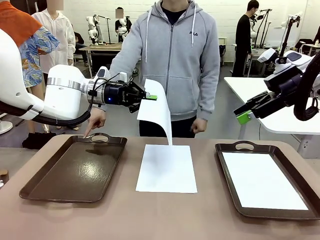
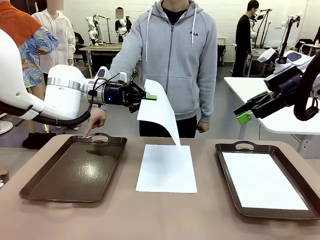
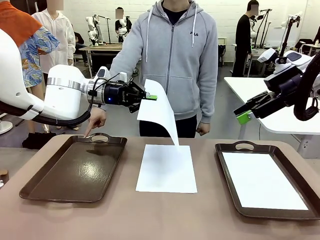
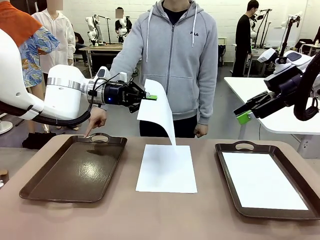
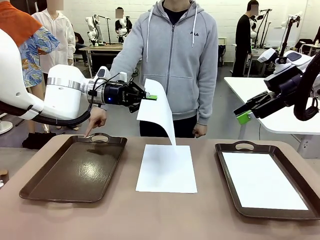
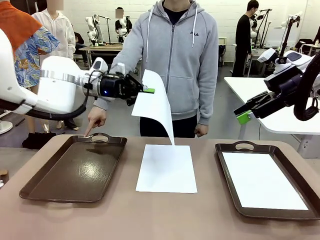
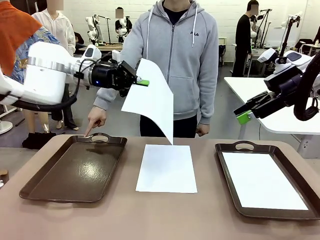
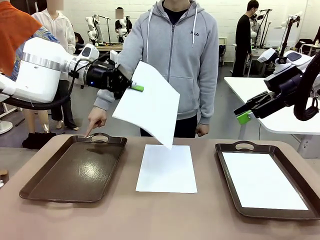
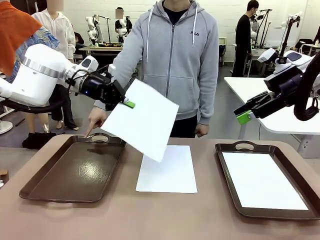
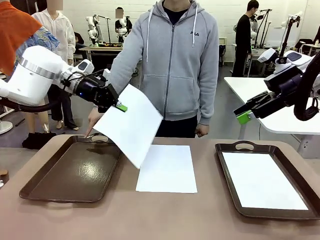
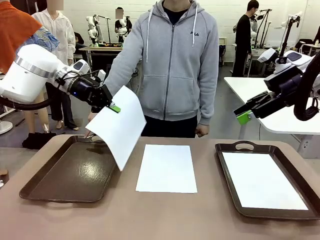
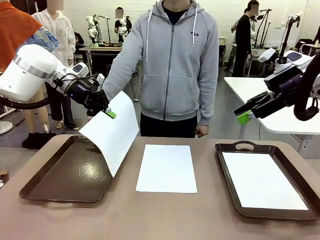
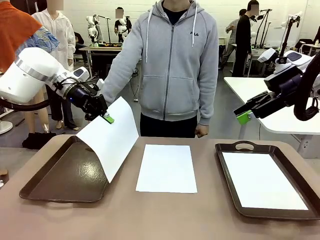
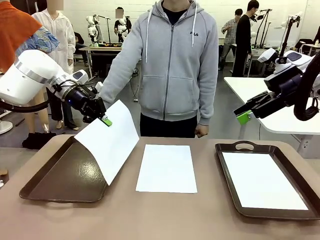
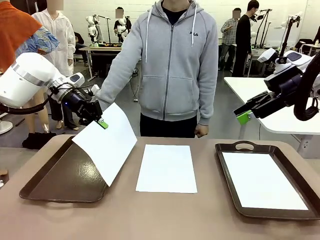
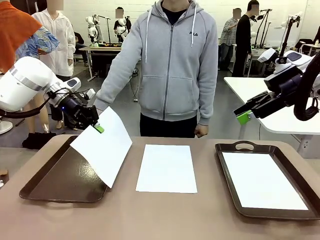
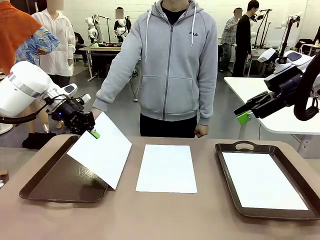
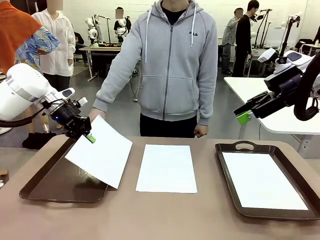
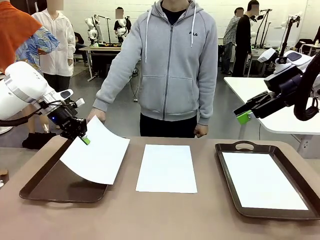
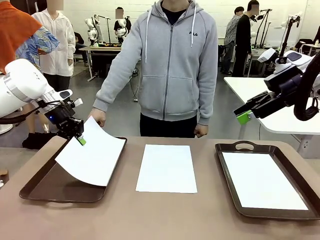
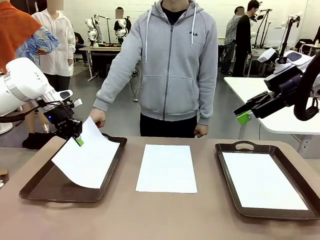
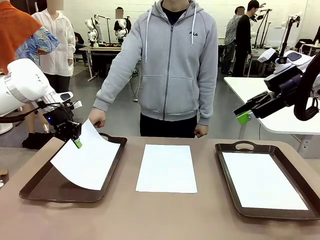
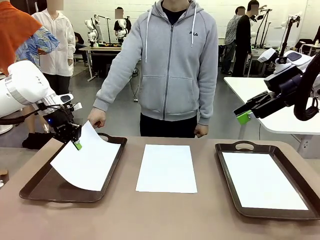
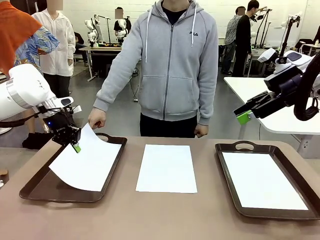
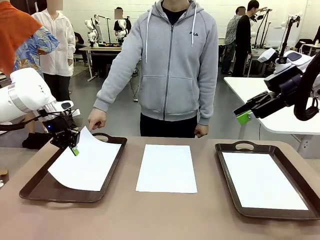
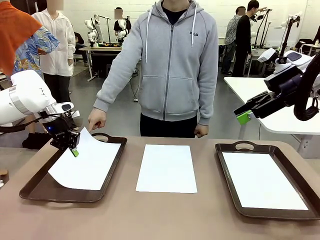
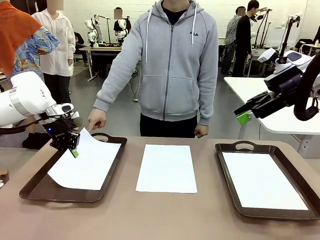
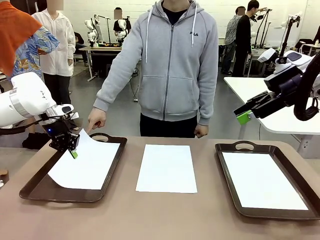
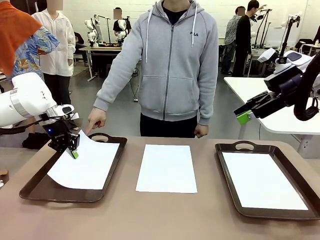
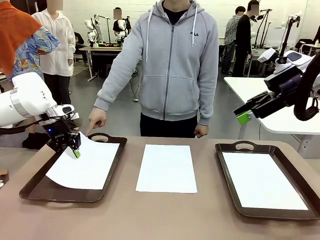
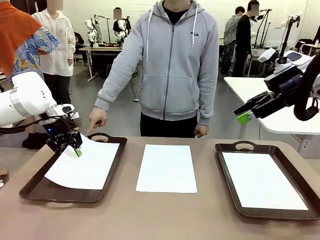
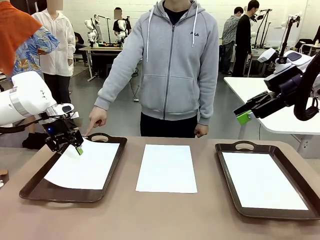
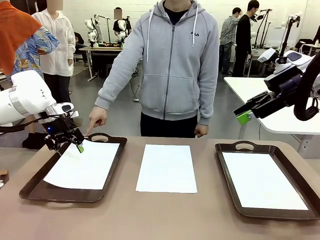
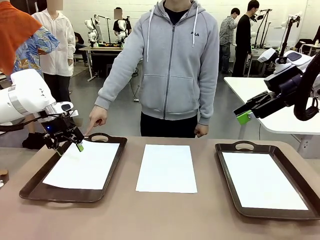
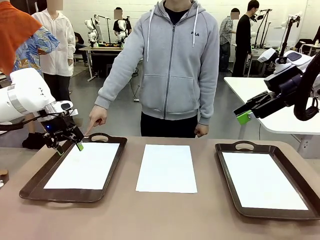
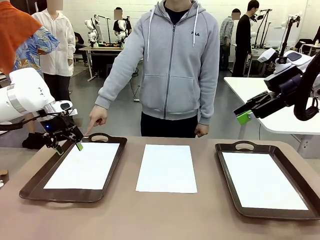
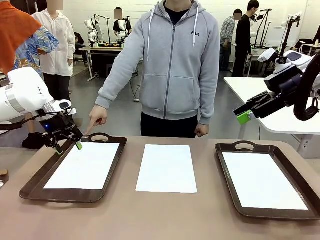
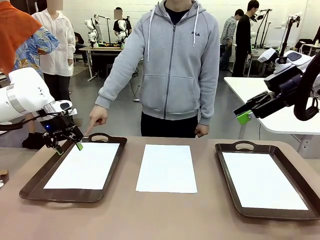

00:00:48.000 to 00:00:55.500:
Task: Sort the A4 documents.
Robot: Place the A4 Paper in the designated Handle tray.

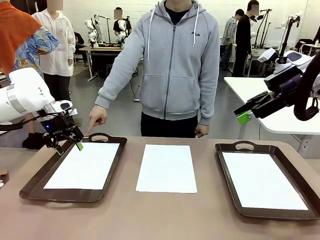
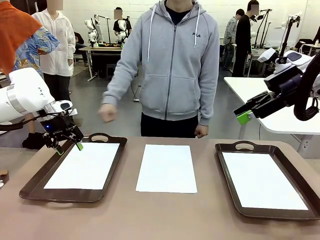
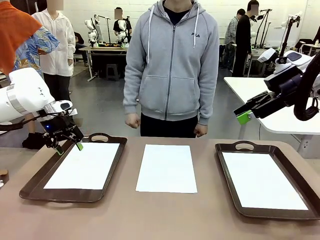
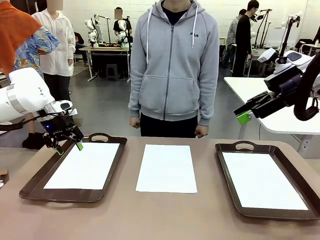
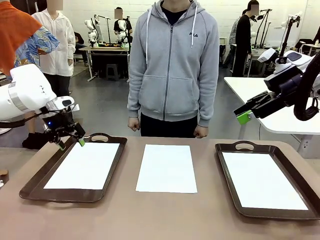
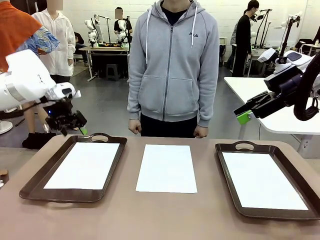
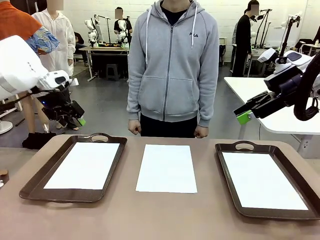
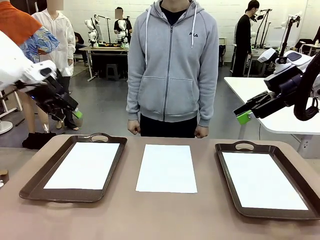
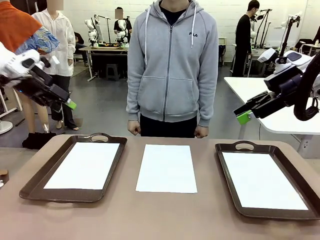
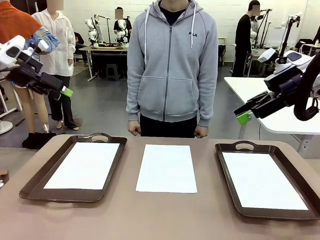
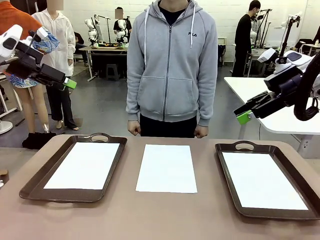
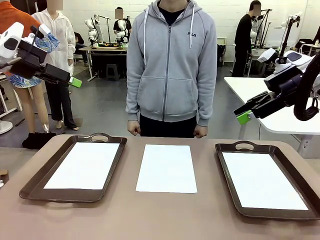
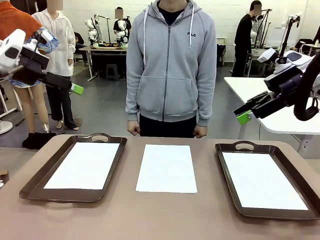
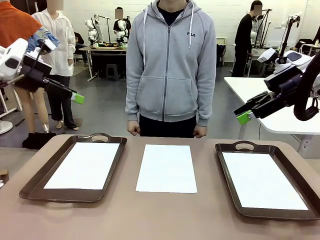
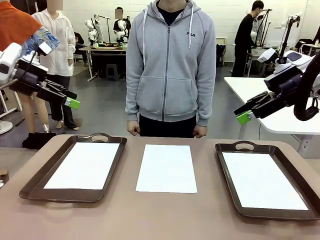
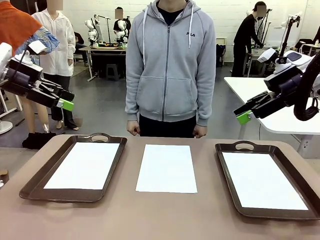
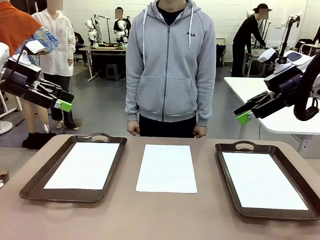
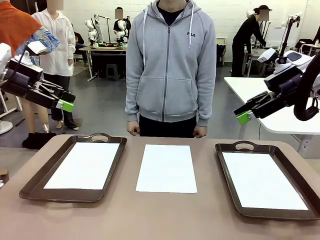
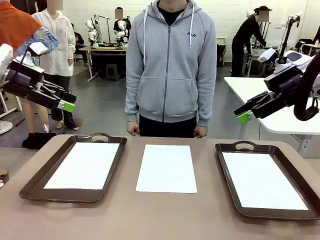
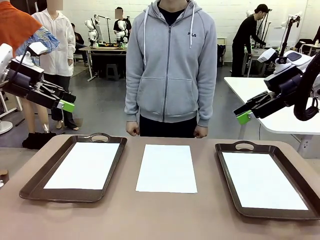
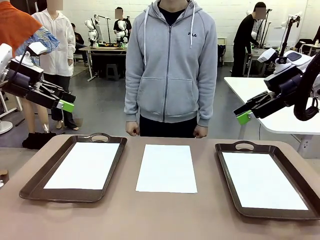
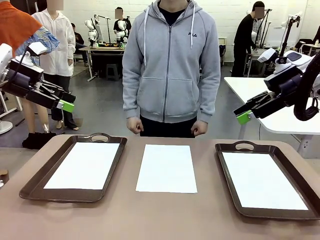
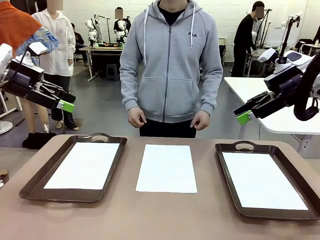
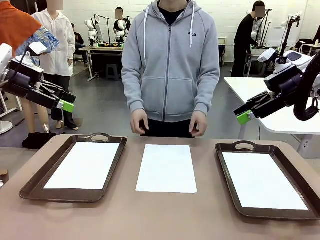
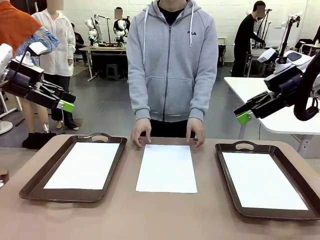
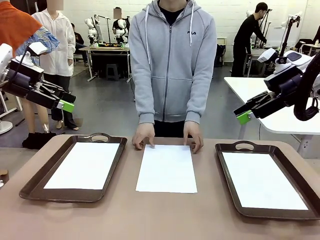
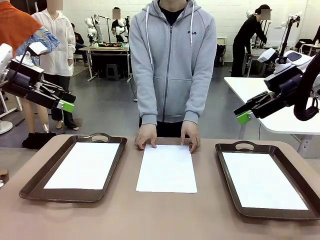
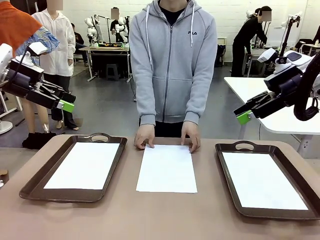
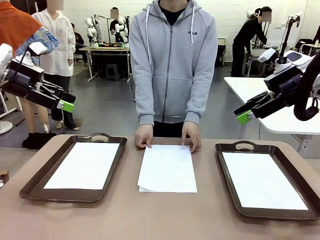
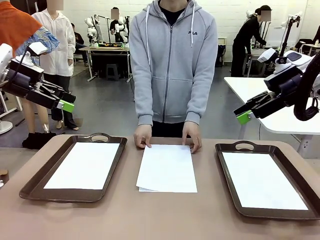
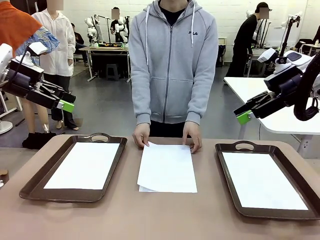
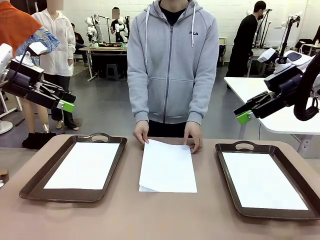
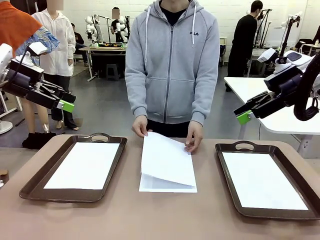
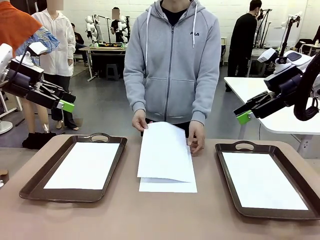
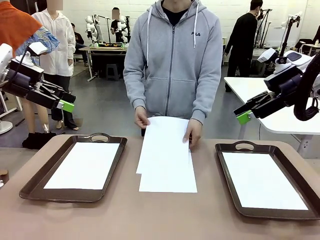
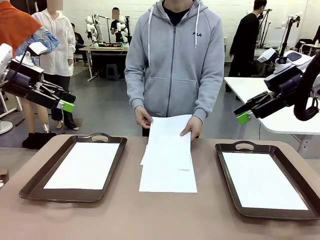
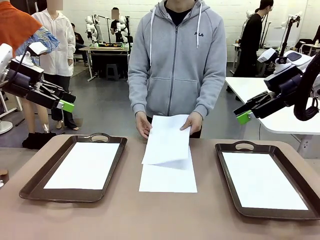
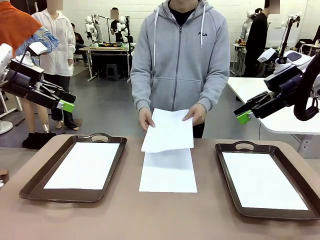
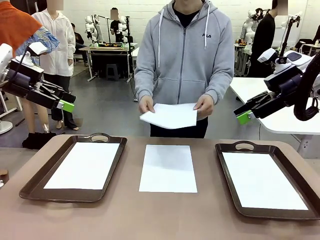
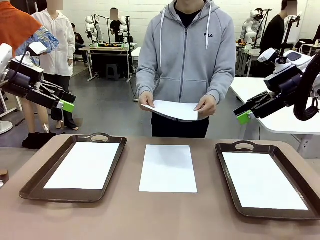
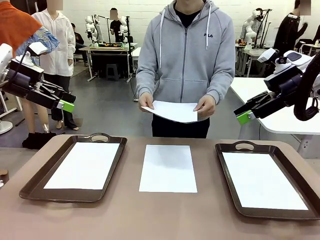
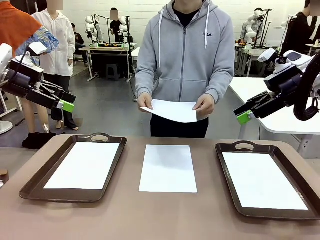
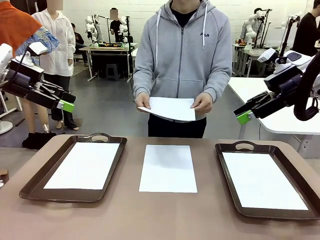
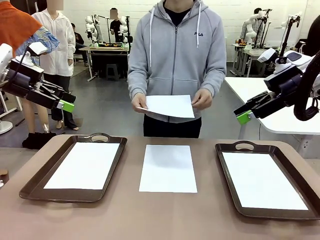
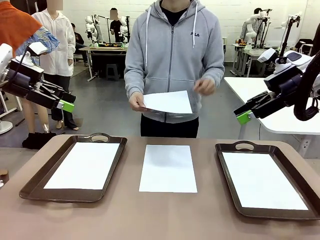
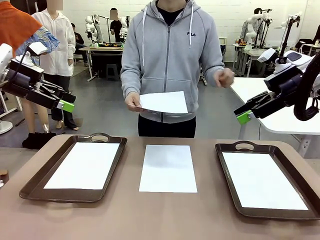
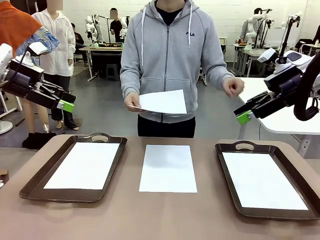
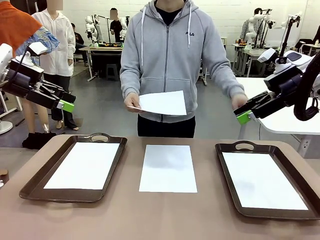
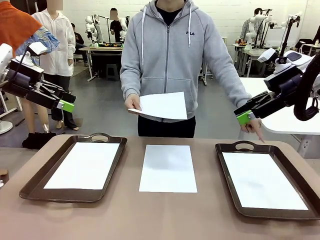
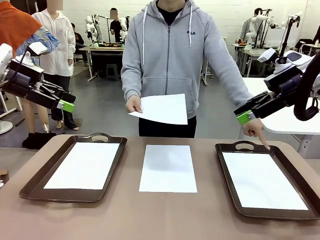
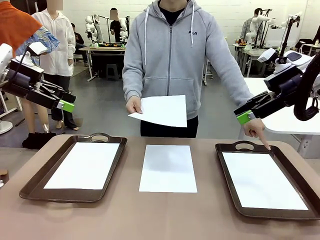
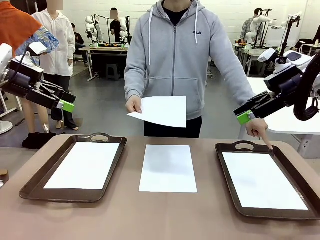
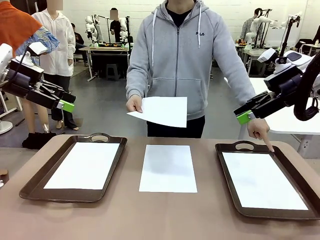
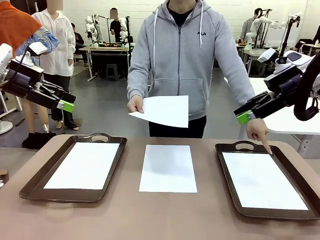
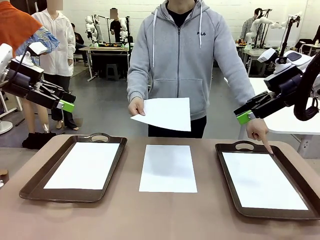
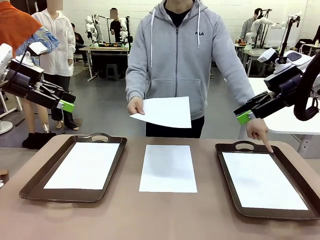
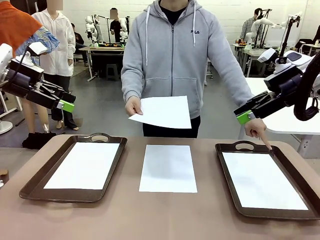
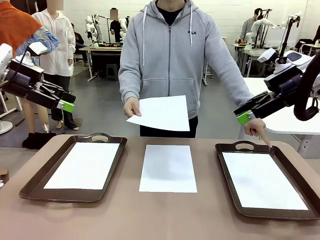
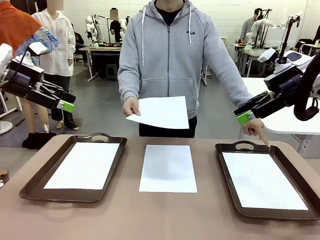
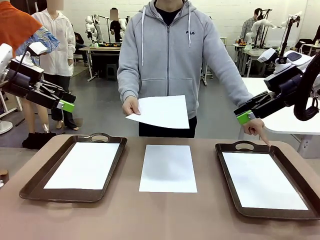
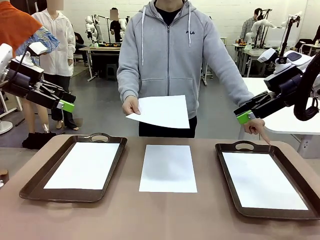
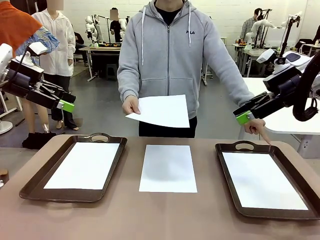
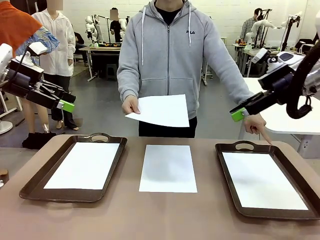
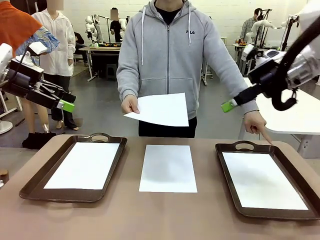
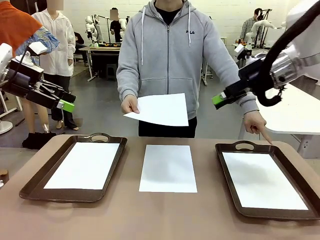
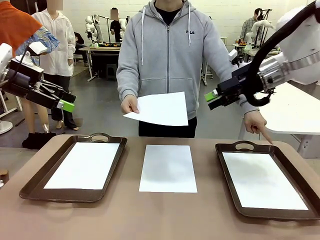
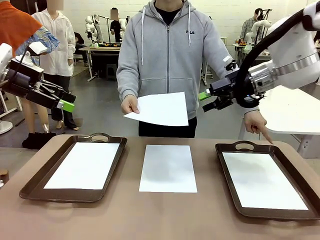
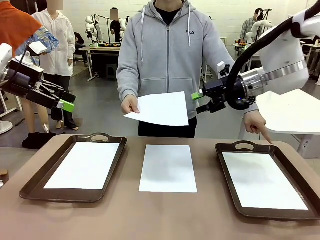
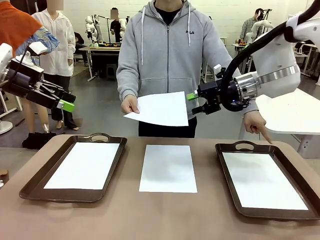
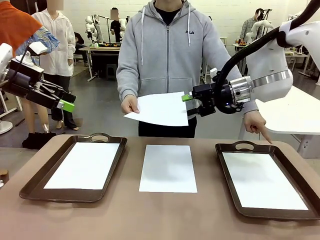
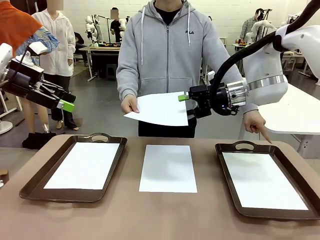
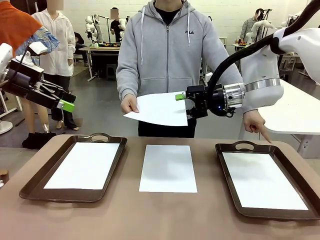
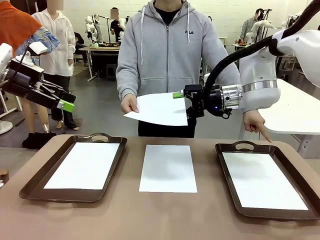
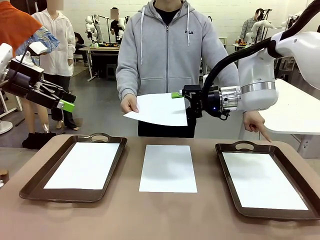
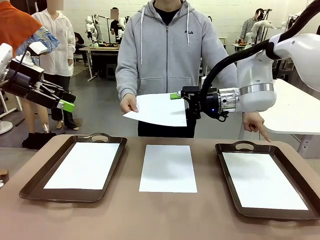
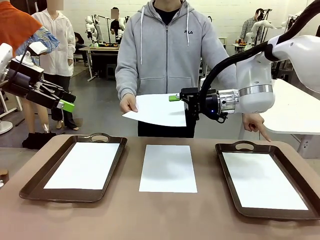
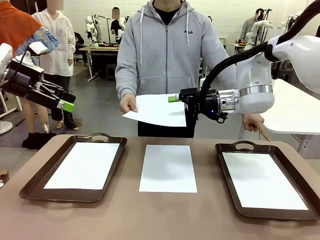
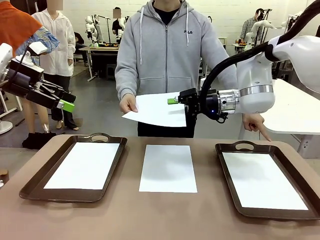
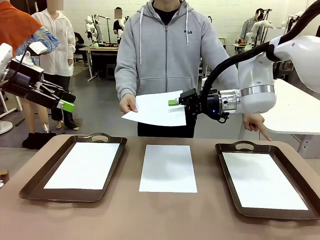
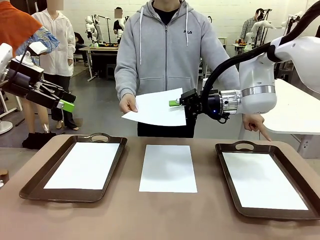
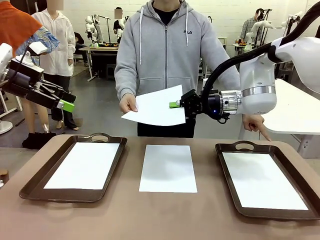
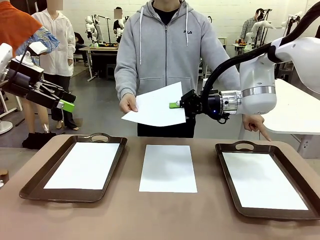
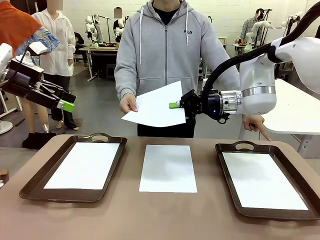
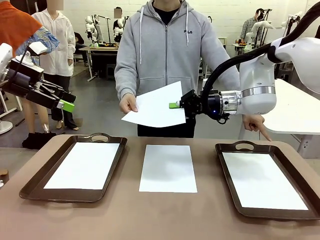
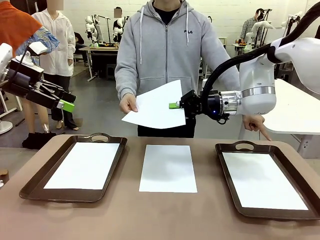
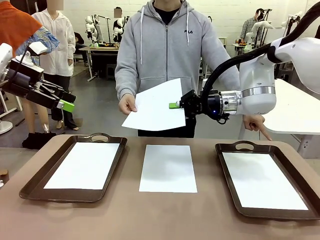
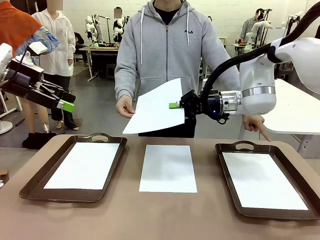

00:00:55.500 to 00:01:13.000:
Robot: Receive the A4 Paper.
Person: Point the randomly selected tray with the other hand.
